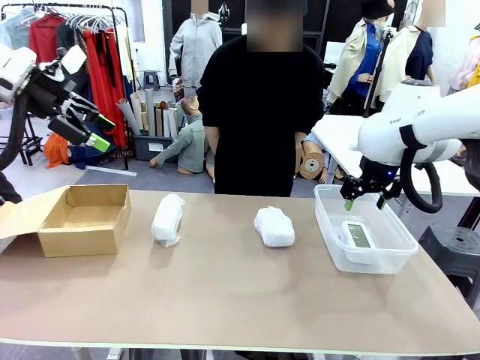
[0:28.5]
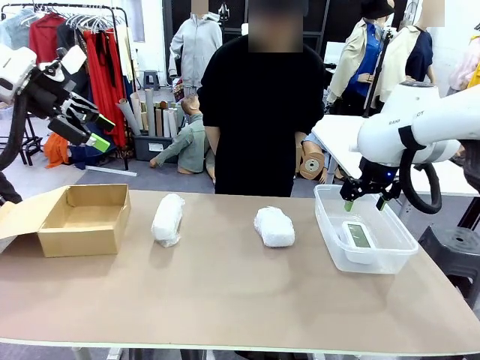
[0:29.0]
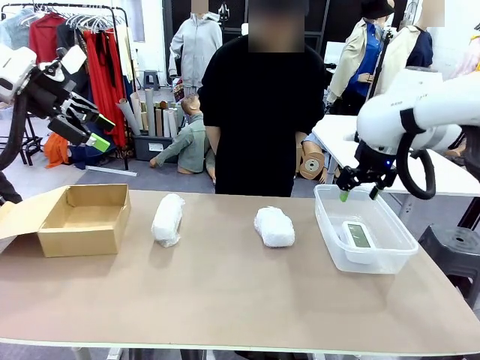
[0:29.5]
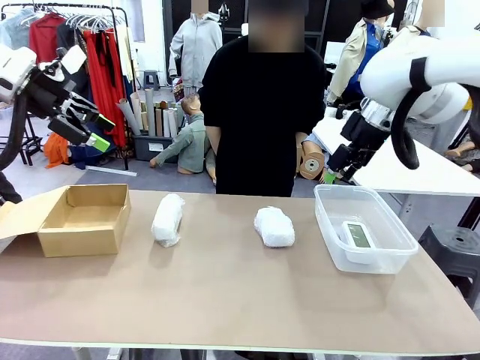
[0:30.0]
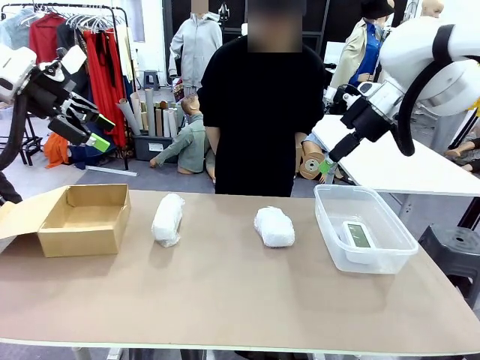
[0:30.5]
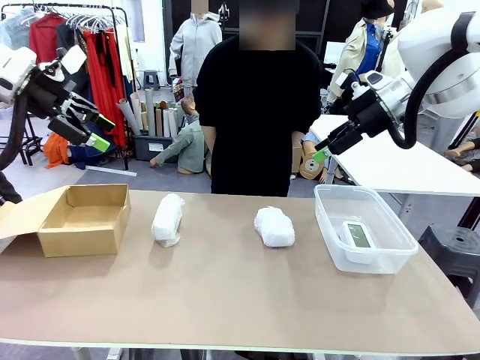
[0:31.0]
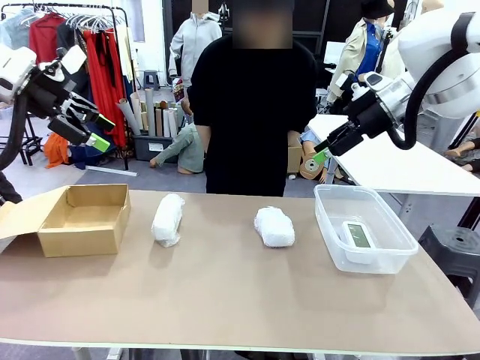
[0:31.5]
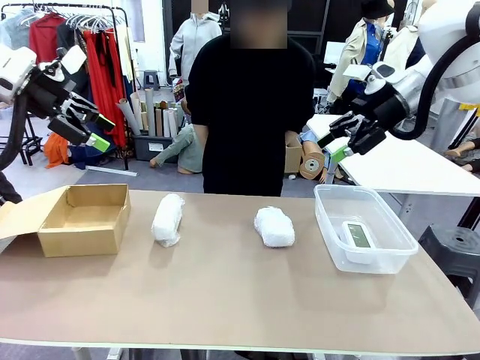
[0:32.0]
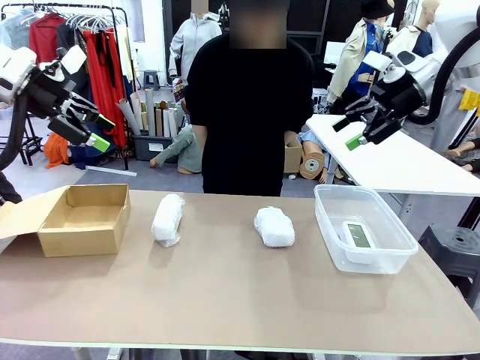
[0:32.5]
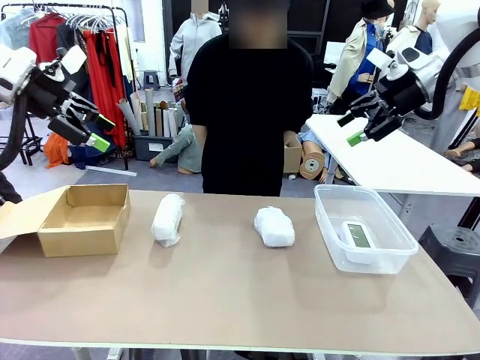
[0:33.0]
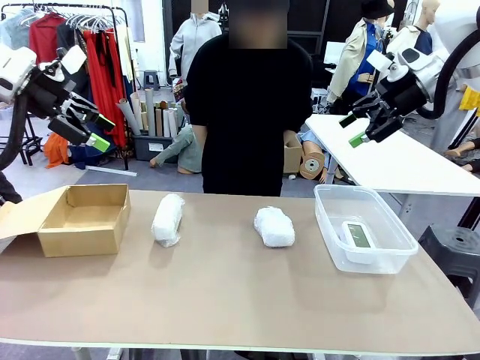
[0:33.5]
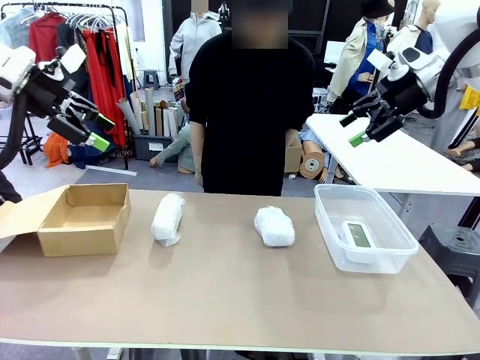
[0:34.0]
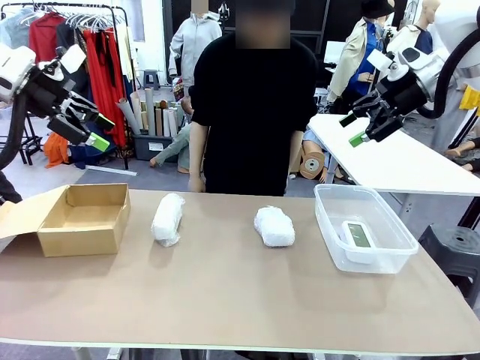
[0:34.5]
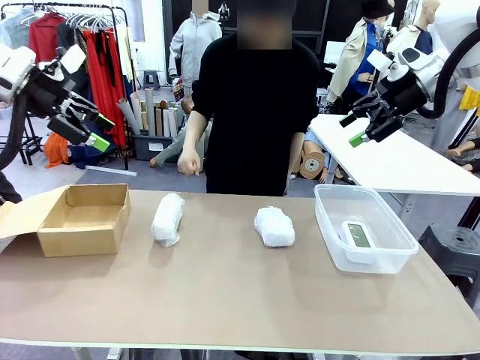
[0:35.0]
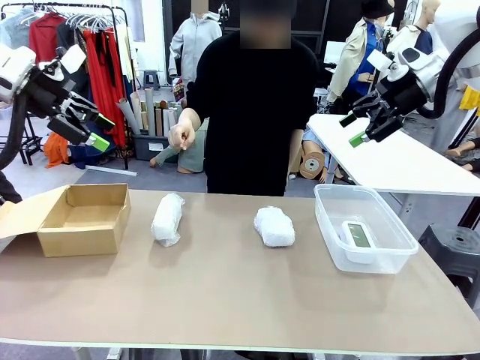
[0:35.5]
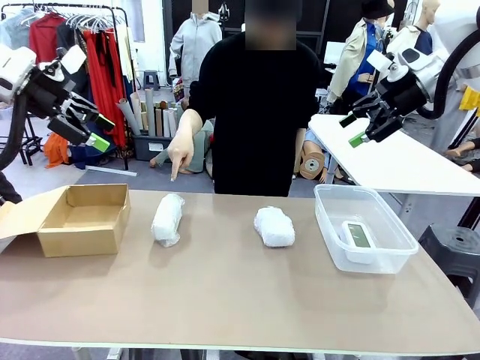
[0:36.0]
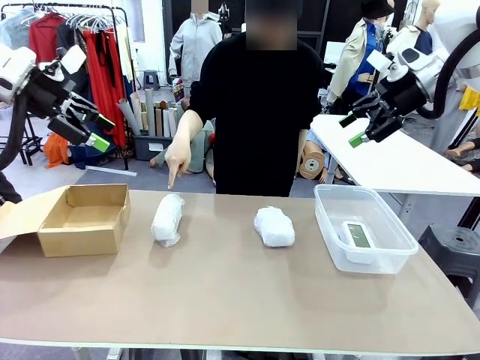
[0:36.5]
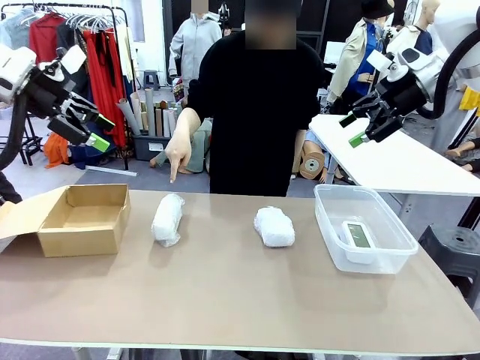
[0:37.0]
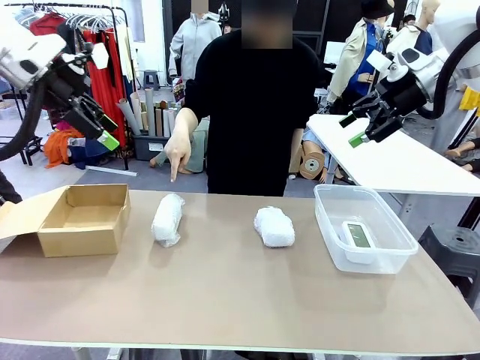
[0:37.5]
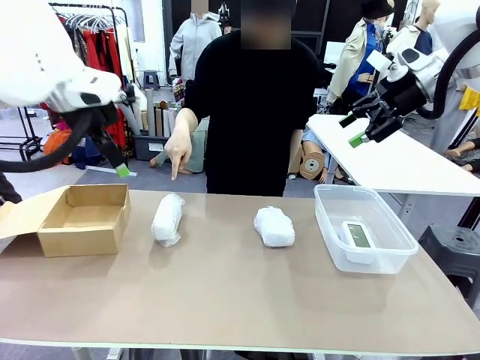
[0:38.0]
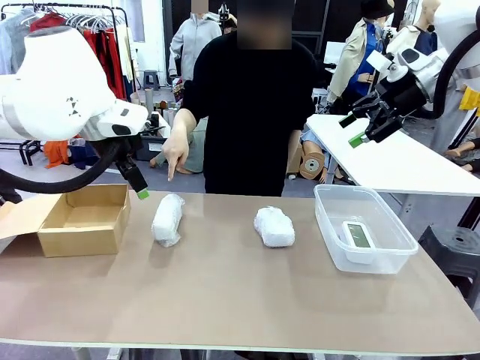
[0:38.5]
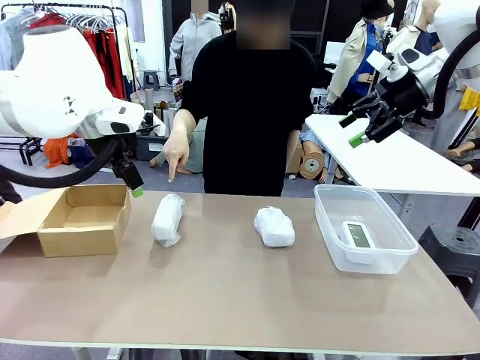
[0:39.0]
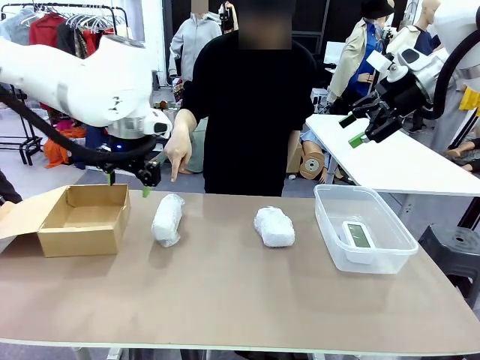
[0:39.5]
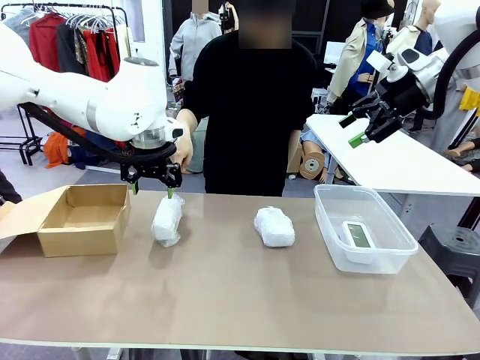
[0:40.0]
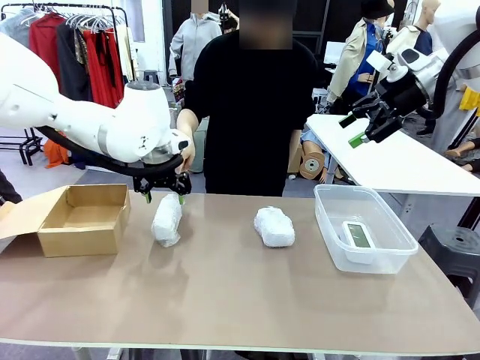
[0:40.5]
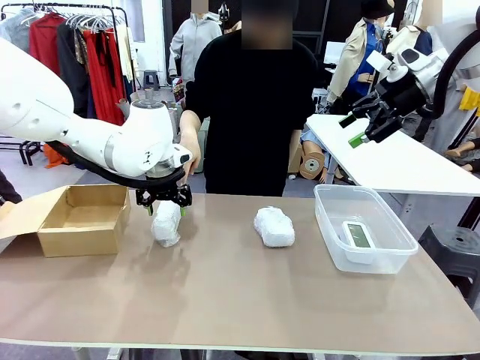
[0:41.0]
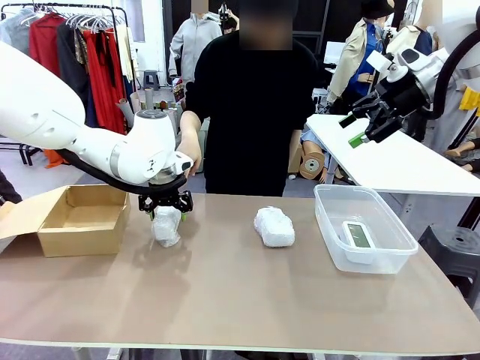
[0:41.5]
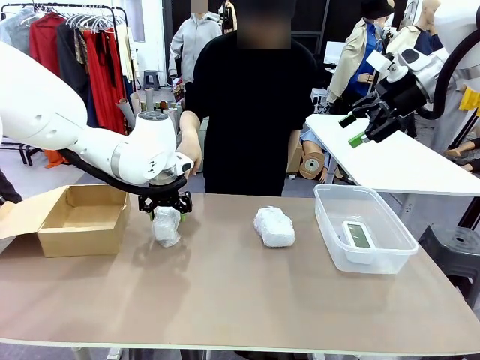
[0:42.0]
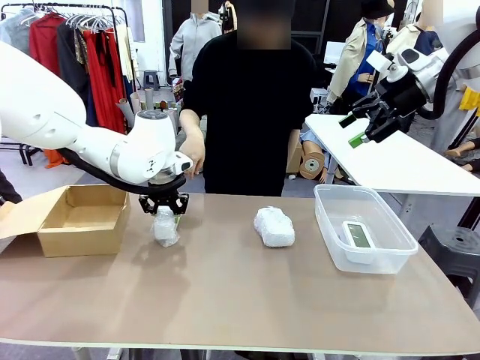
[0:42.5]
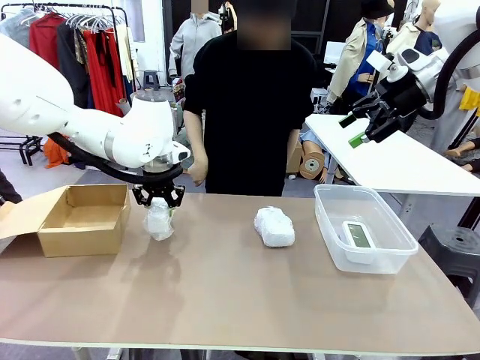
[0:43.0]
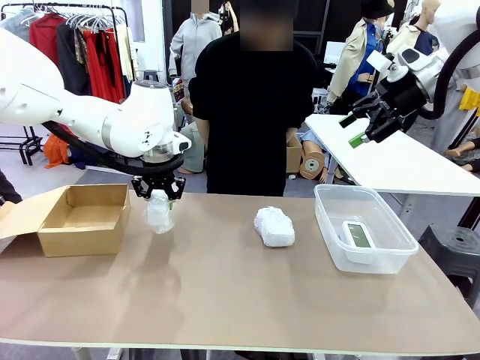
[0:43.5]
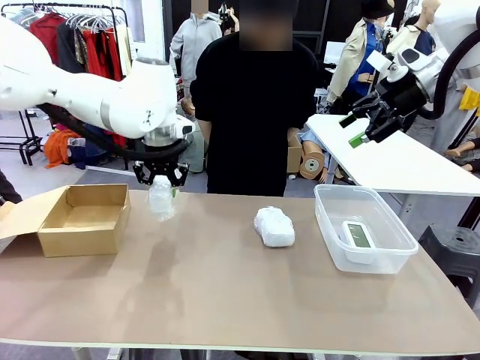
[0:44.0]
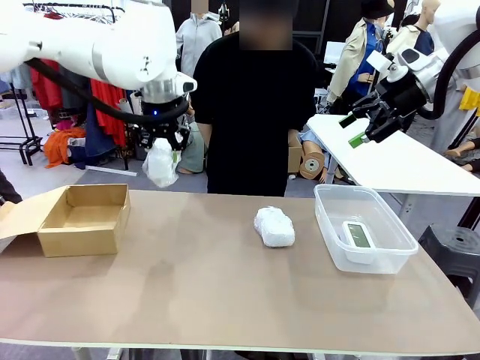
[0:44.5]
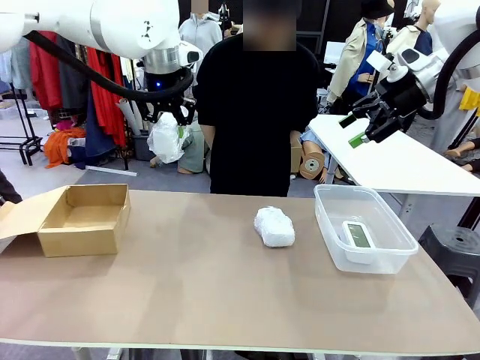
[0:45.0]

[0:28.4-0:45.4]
Task: Separate and place wrapped and unwrapped clocks.
Robot: Pick up the Digital clock indicated by the person.

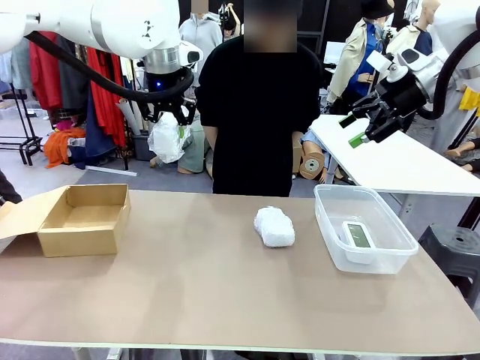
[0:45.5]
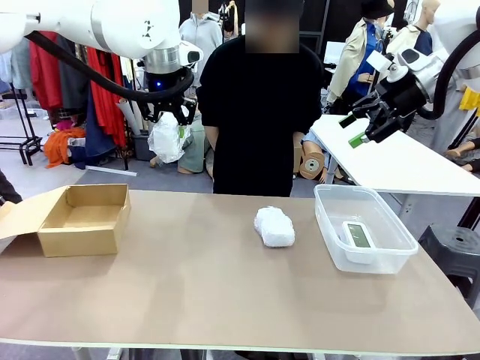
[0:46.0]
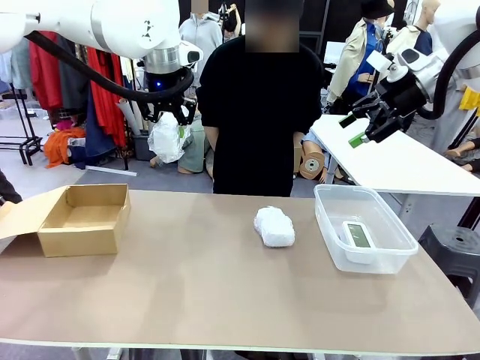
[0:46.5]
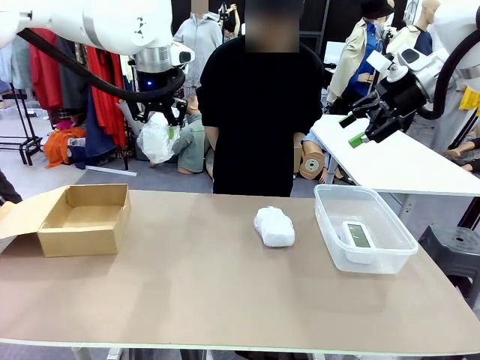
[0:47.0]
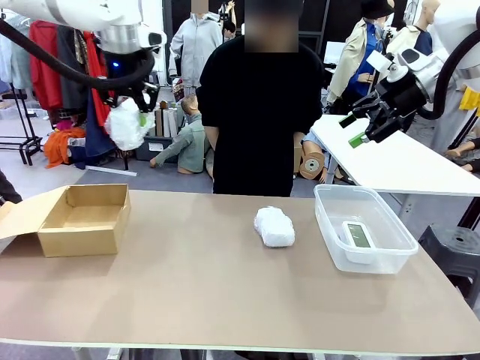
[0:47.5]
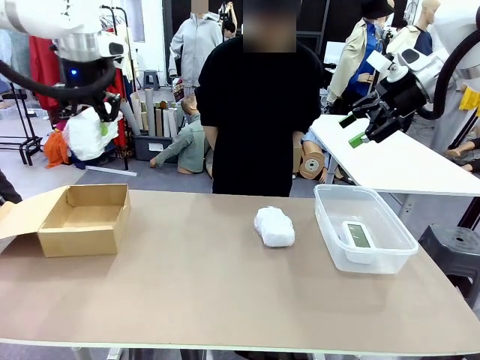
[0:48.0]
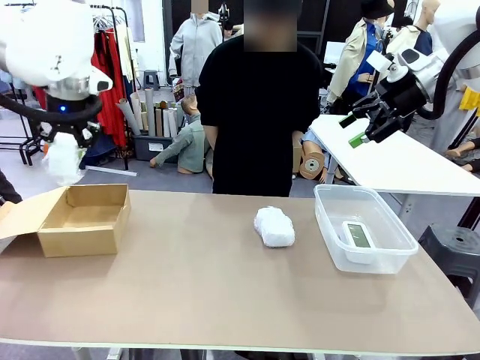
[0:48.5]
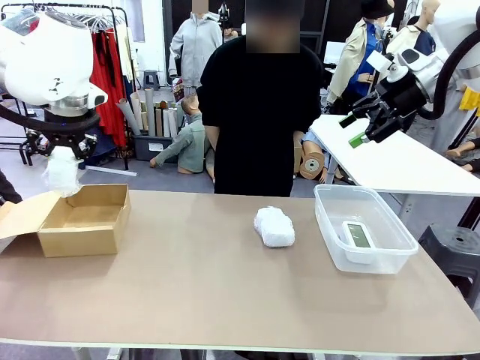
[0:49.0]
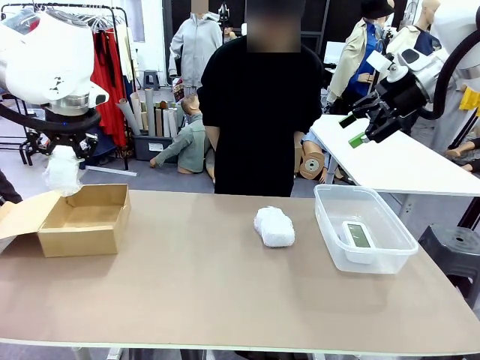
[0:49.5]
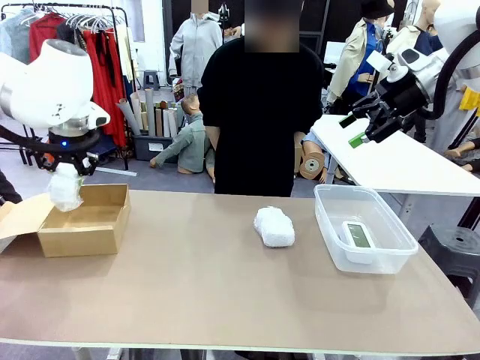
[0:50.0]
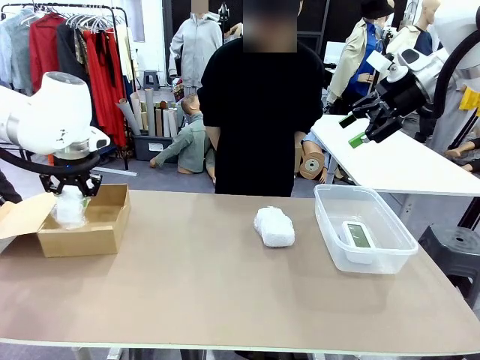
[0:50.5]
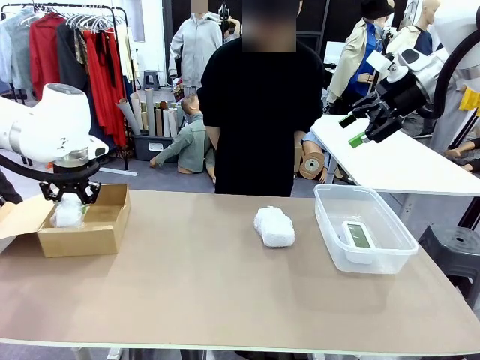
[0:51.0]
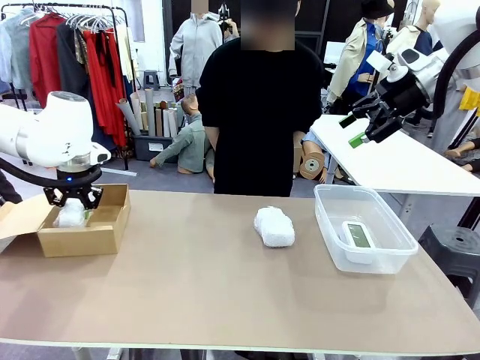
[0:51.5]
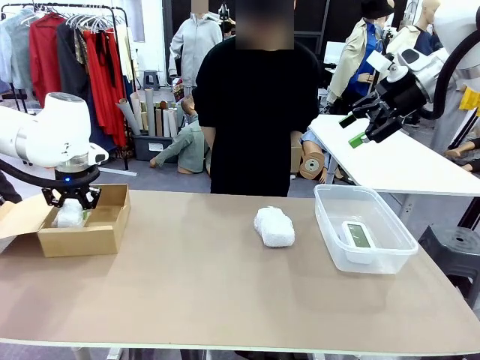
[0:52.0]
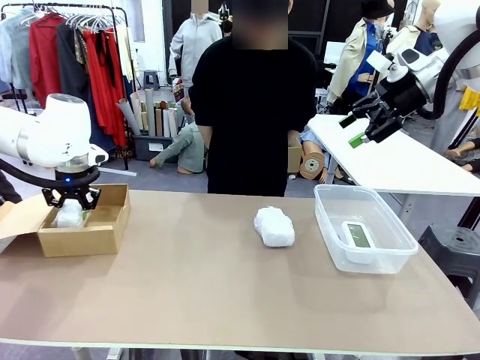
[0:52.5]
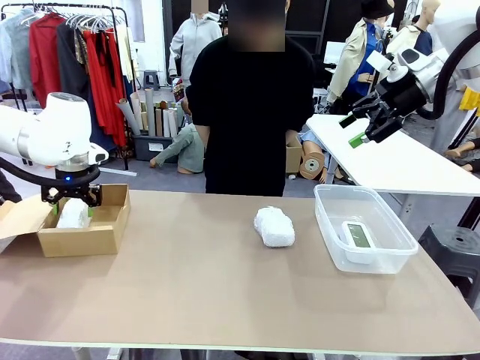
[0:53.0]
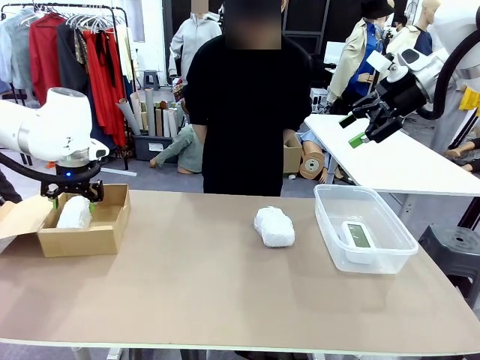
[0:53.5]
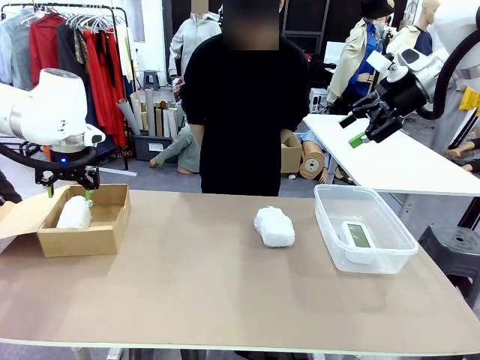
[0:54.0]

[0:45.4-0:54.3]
Robot: If the picked Digital clock is wrapped, place it in the Package Box ; if not, place it in the Organizing box.

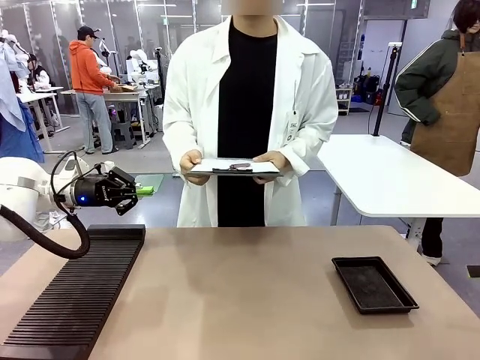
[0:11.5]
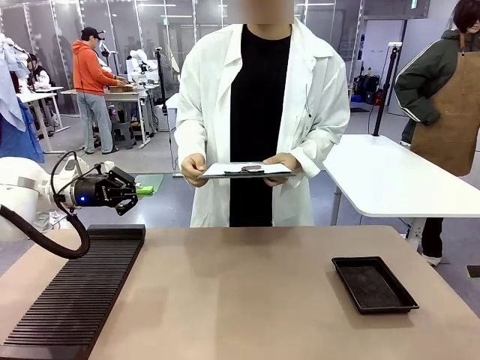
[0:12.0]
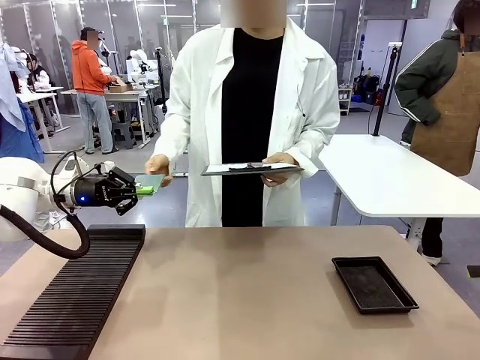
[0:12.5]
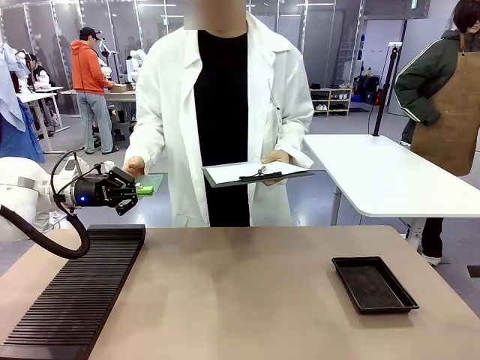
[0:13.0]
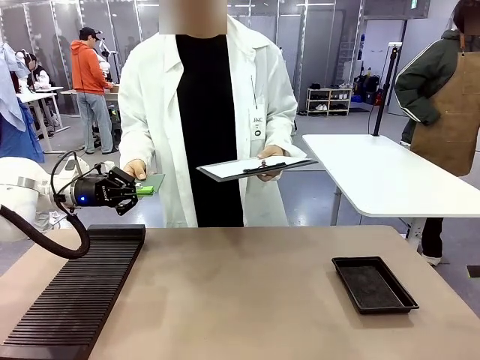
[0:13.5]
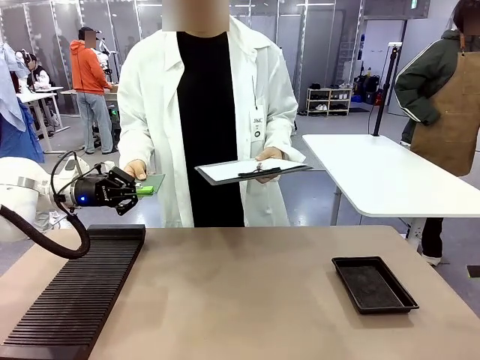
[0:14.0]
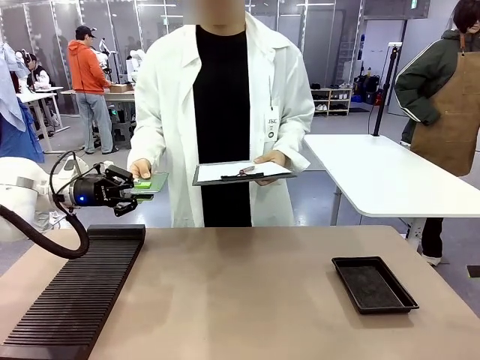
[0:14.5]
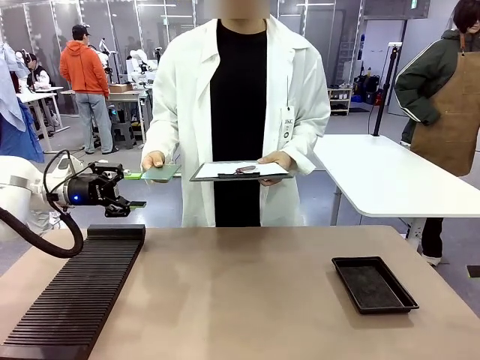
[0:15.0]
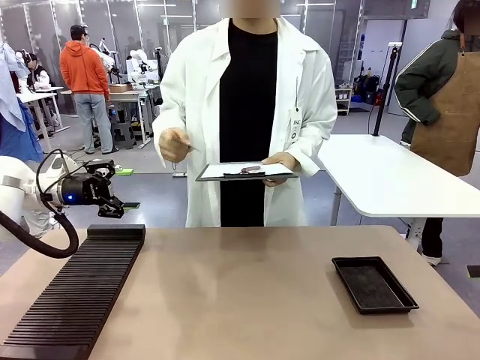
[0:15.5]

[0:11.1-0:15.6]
Task: Inspect the PCB.
Robot: Release the Blank PCB you were holding.
